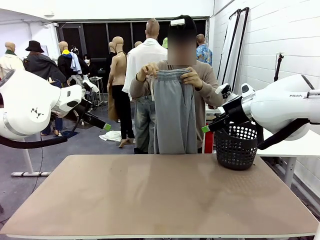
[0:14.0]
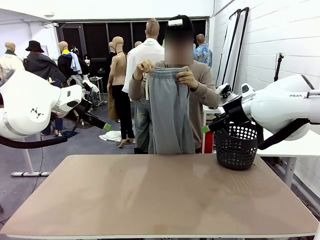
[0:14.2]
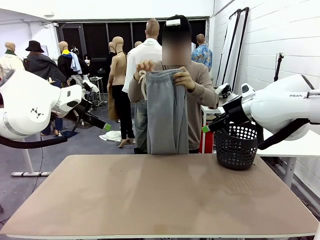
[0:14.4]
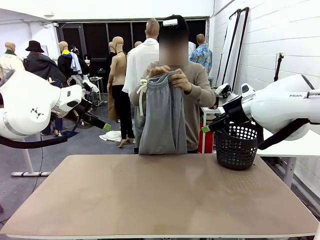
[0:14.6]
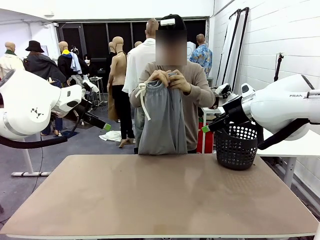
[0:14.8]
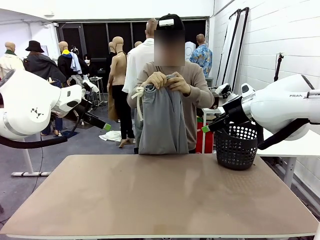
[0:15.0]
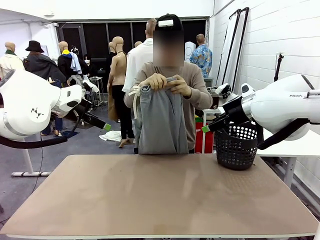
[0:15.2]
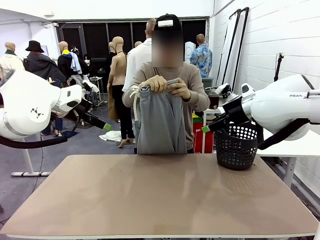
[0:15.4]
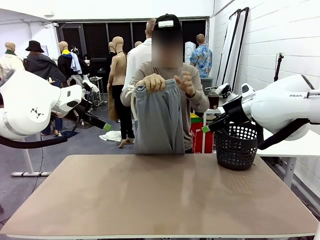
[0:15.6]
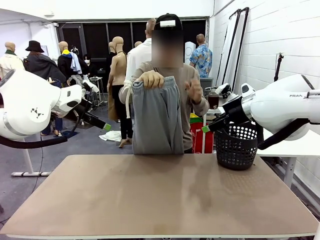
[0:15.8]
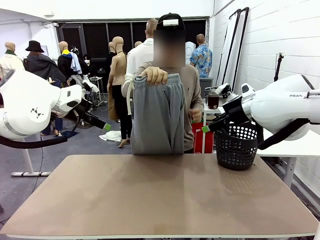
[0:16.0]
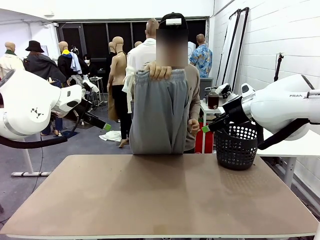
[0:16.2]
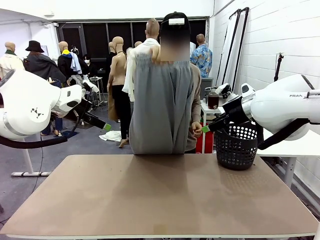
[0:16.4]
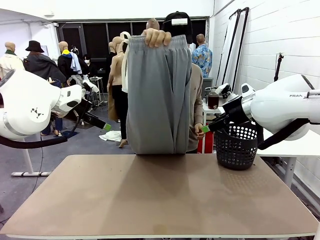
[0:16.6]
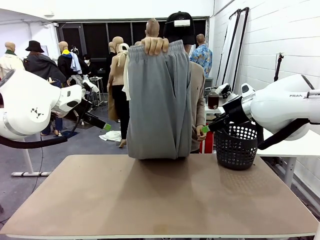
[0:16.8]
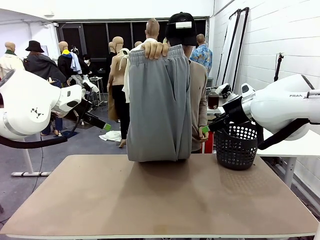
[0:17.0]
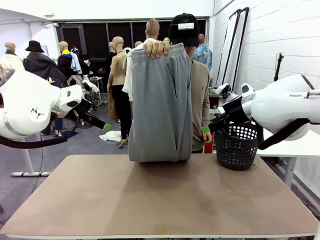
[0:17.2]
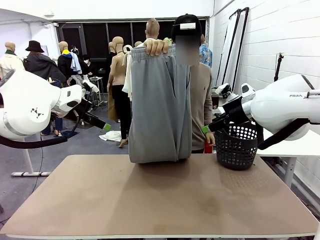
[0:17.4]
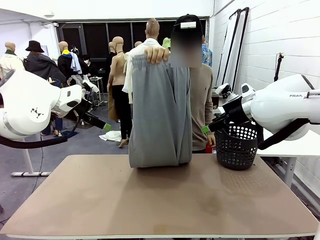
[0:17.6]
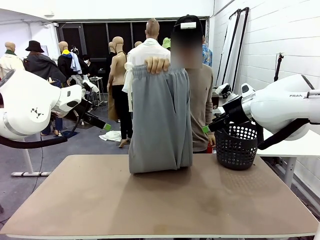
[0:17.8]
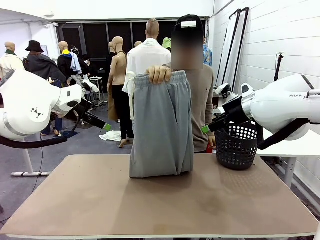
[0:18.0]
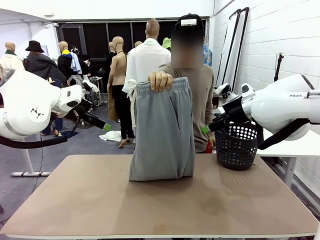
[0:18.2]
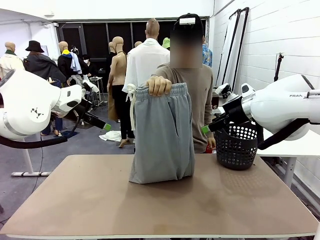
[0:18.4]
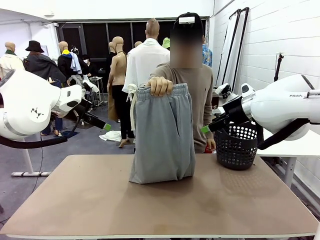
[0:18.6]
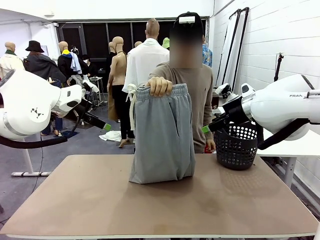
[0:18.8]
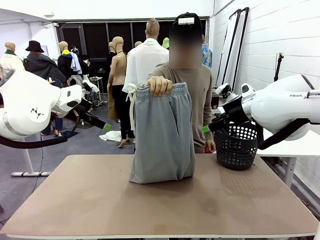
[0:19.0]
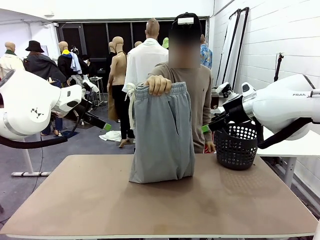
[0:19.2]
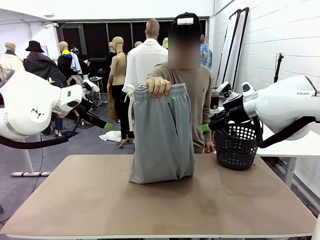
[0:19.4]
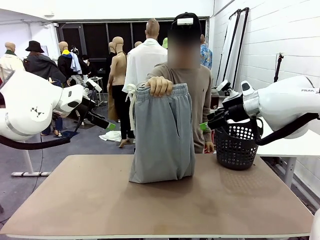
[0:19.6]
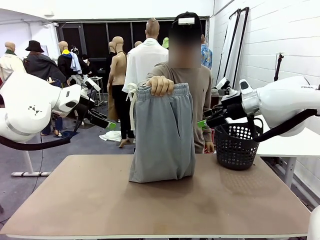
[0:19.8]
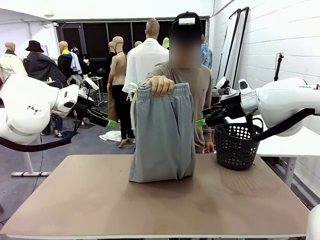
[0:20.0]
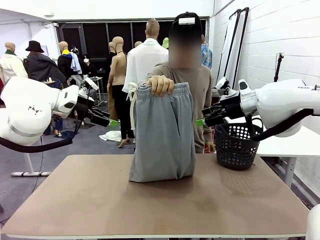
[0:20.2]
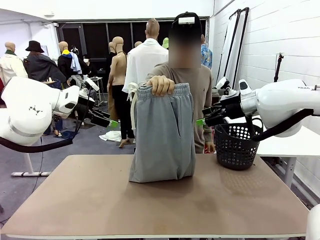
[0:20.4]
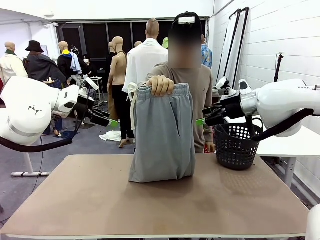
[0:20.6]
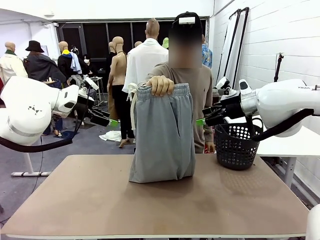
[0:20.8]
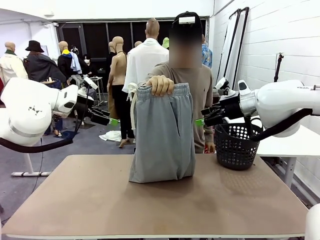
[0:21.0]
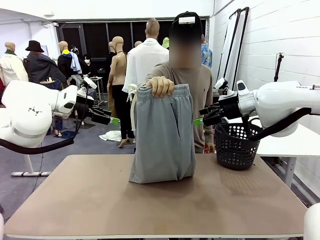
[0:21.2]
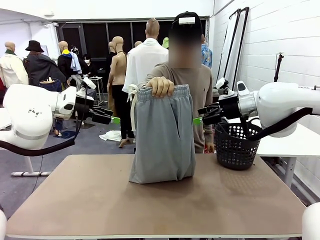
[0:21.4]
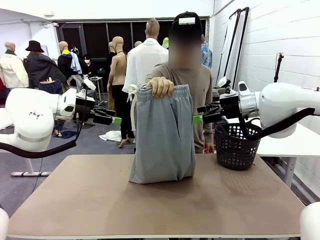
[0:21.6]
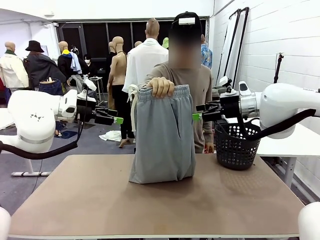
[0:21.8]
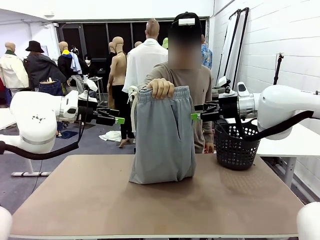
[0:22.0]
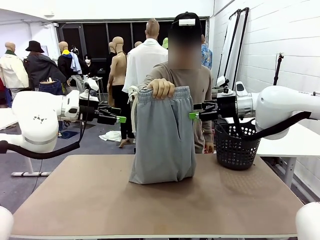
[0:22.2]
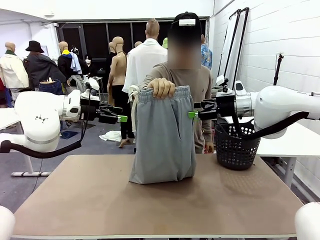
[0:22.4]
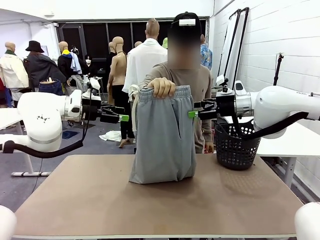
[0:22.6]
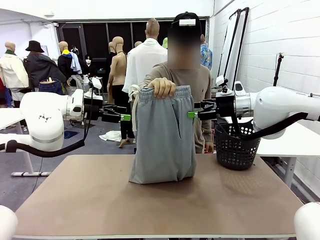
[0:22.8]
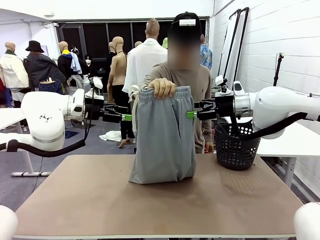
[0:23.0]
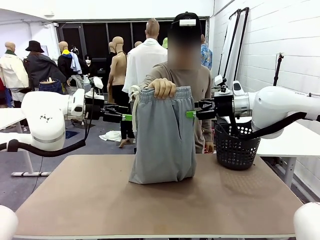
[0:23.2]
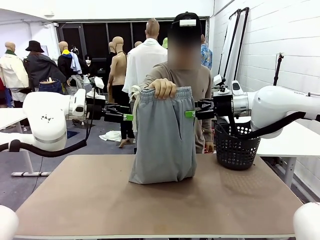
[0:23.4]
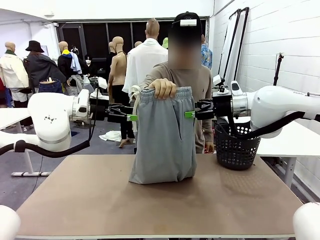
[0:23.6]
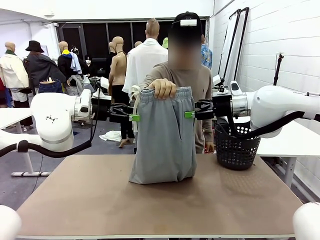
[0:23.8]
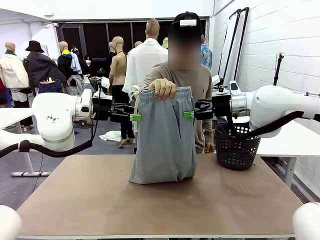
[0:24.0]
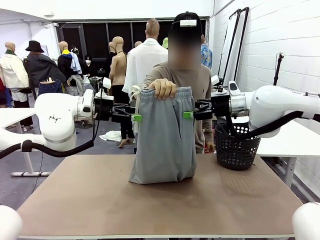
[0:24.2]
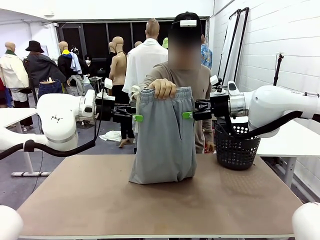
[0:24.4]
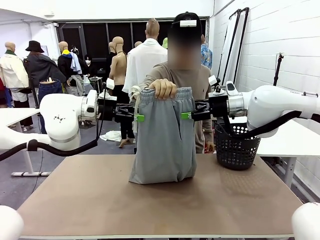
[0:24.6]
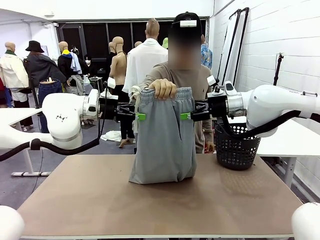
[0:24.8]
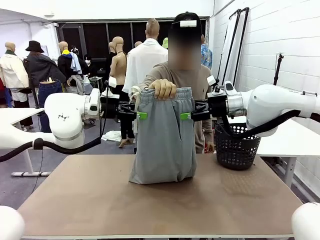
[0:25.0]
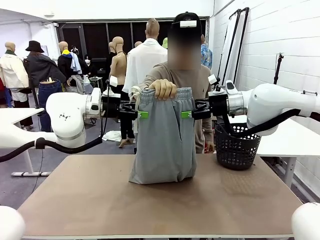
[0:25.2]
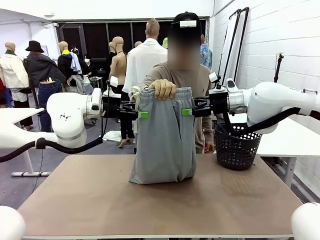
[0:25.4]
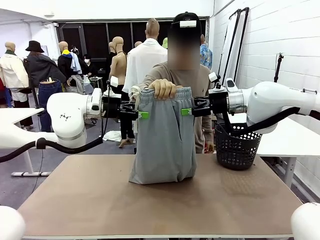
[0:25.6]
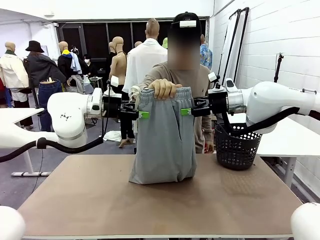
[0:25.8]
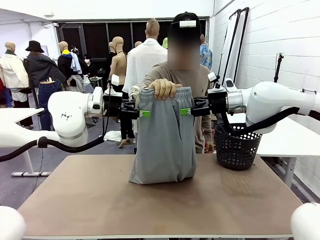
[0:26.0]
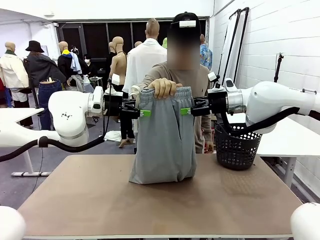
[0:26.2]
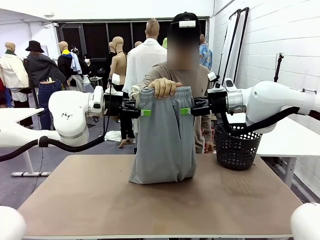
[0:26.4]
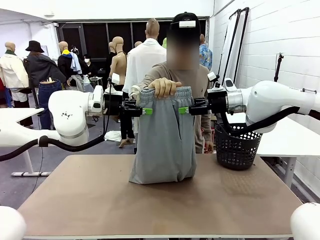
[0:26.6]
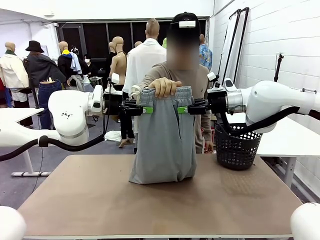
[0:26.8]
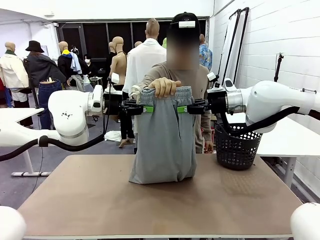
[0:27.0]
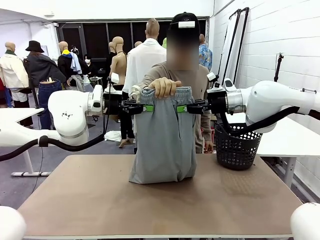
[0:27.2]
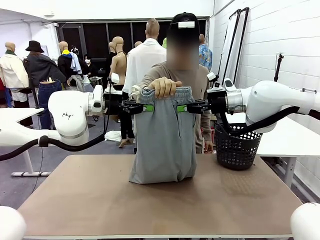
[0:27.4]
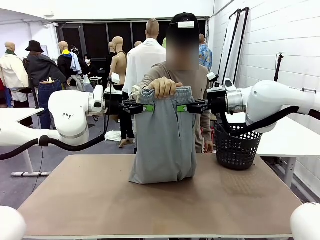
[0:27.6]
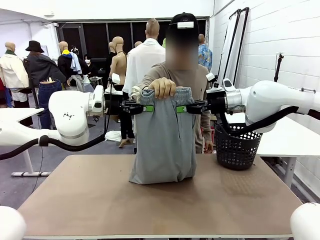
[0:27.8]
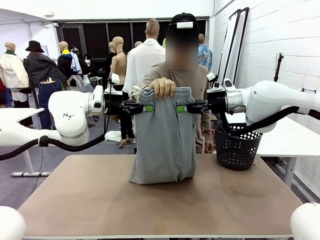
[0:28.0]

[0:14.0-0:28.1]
Task: Fold the training pants.
Robot: Grab both ends of the Training pants handed by a person.
